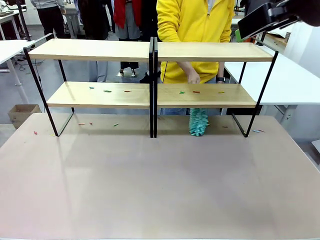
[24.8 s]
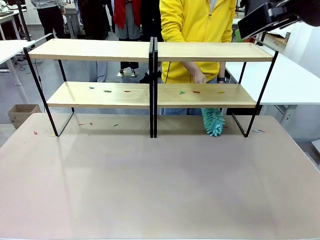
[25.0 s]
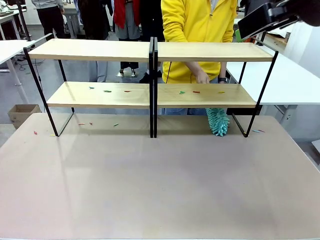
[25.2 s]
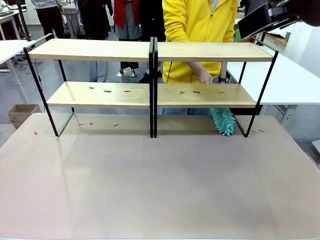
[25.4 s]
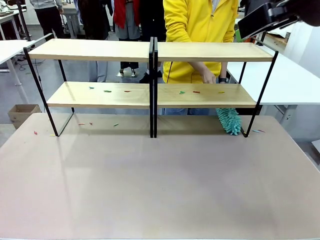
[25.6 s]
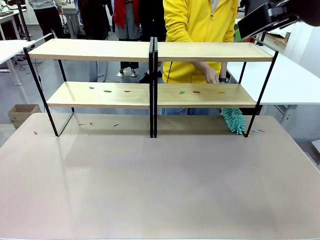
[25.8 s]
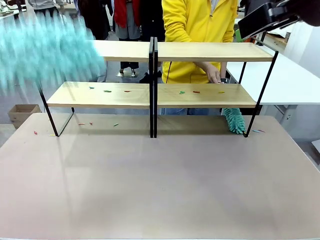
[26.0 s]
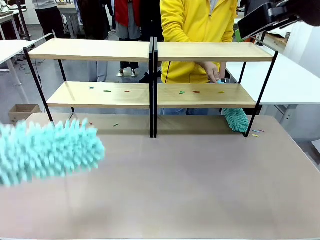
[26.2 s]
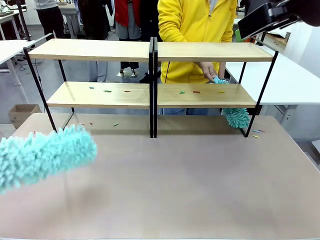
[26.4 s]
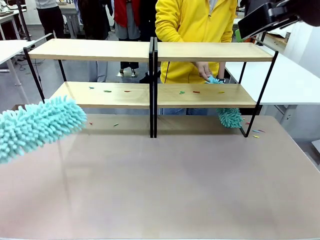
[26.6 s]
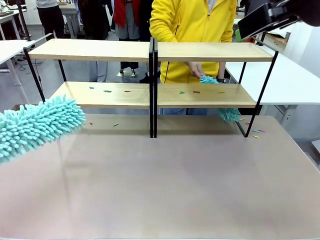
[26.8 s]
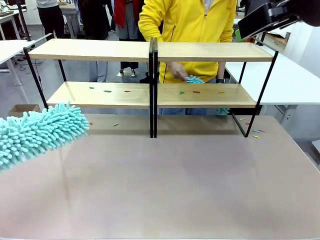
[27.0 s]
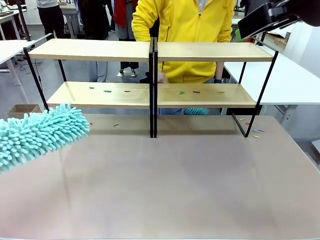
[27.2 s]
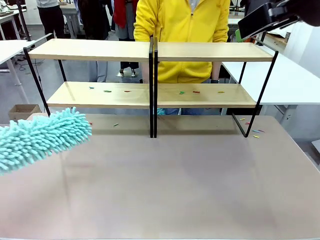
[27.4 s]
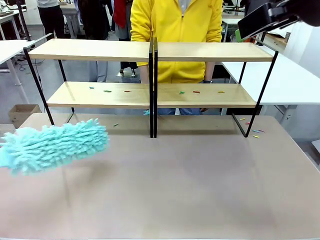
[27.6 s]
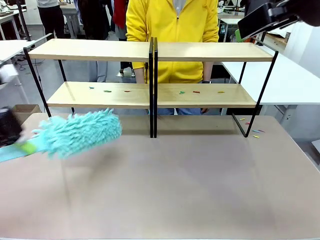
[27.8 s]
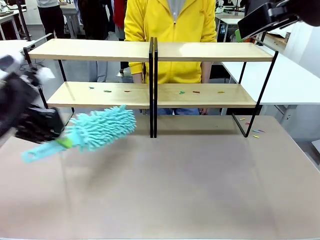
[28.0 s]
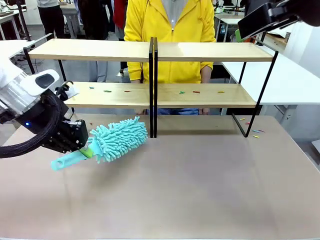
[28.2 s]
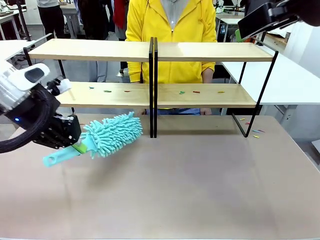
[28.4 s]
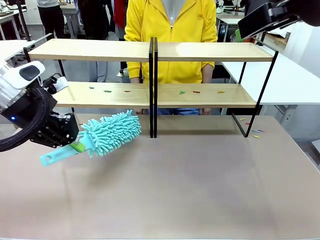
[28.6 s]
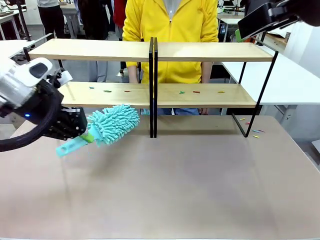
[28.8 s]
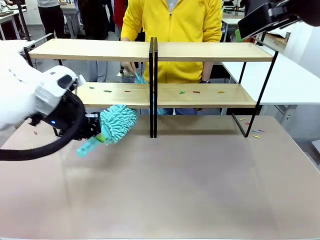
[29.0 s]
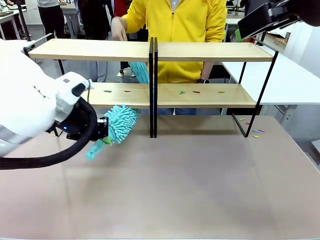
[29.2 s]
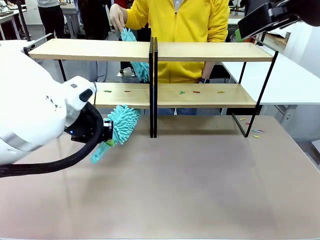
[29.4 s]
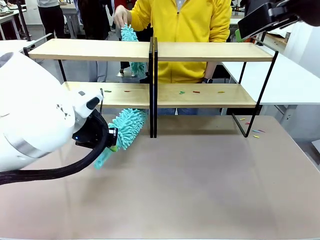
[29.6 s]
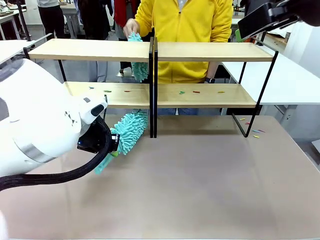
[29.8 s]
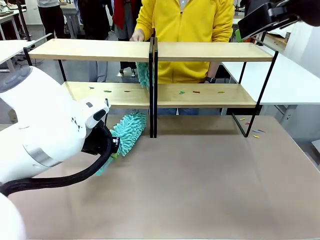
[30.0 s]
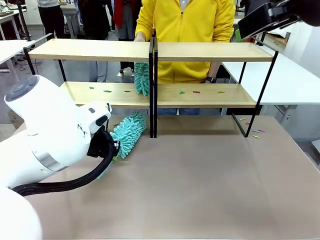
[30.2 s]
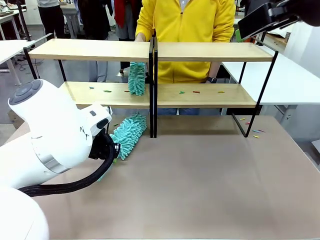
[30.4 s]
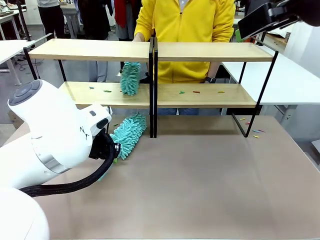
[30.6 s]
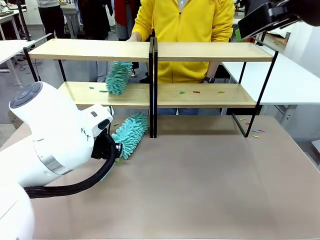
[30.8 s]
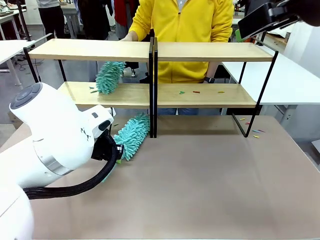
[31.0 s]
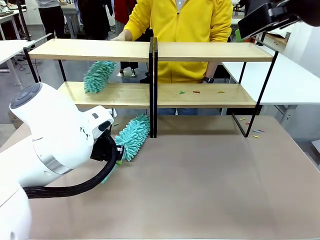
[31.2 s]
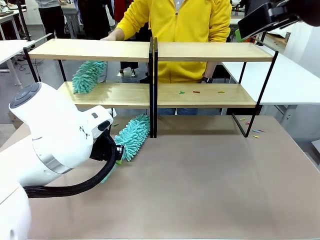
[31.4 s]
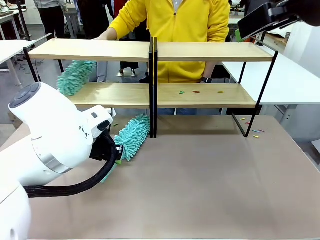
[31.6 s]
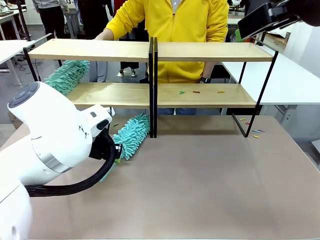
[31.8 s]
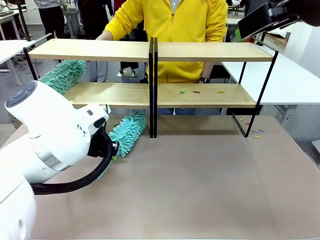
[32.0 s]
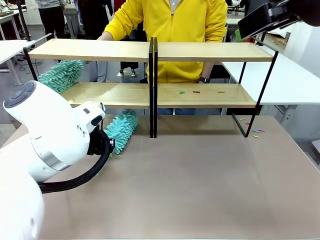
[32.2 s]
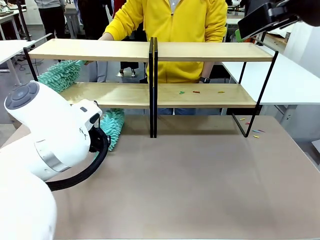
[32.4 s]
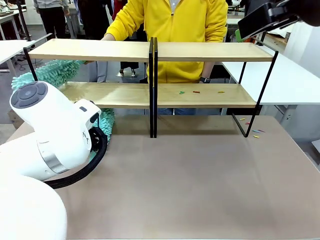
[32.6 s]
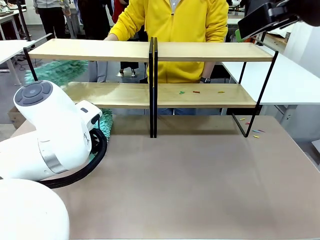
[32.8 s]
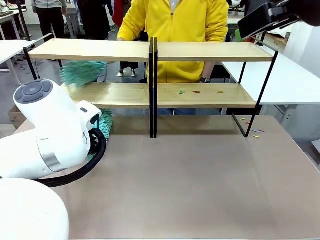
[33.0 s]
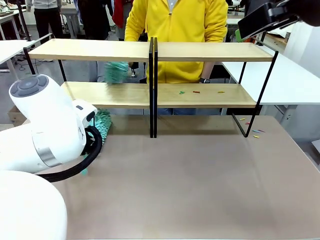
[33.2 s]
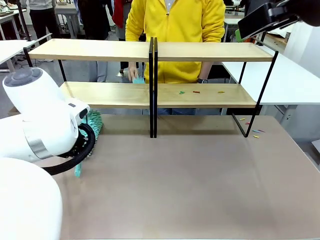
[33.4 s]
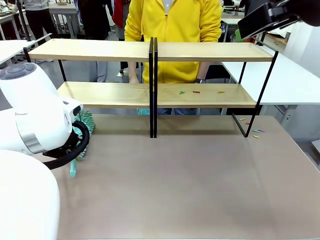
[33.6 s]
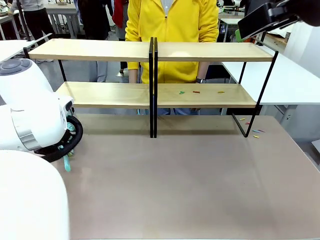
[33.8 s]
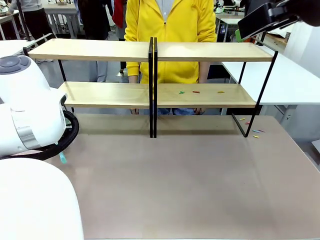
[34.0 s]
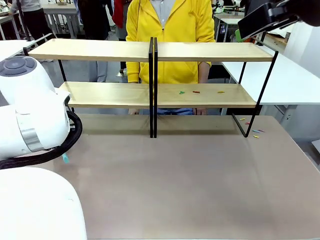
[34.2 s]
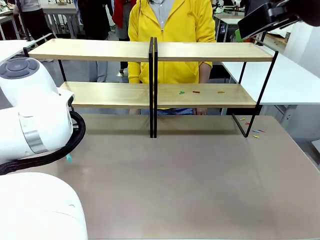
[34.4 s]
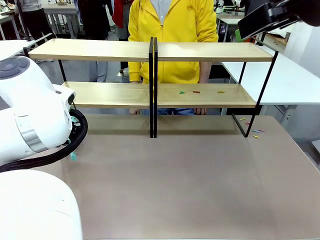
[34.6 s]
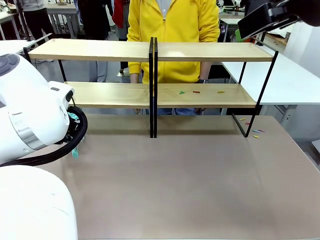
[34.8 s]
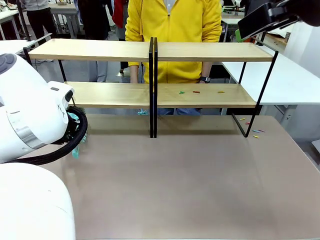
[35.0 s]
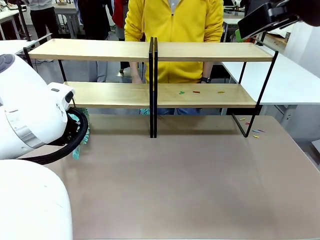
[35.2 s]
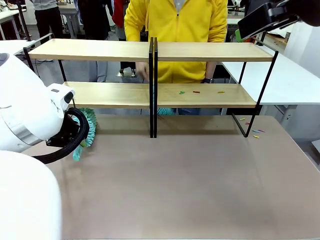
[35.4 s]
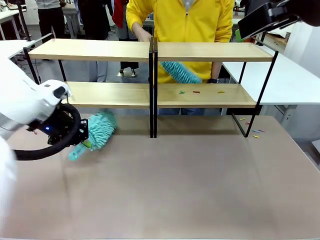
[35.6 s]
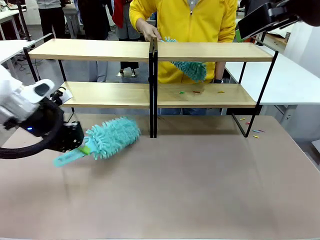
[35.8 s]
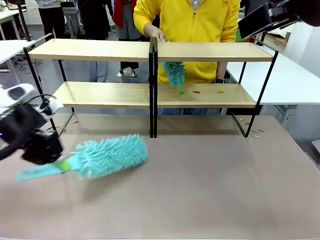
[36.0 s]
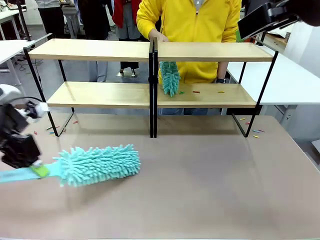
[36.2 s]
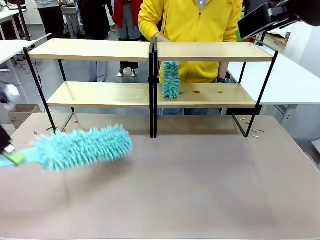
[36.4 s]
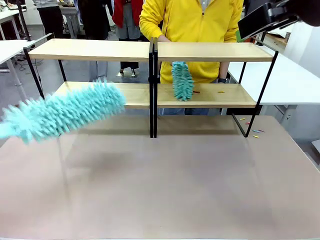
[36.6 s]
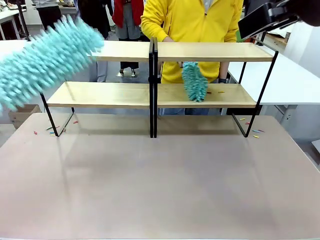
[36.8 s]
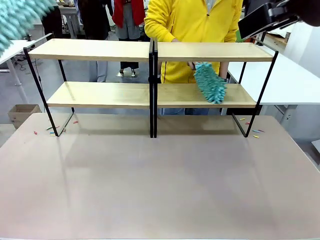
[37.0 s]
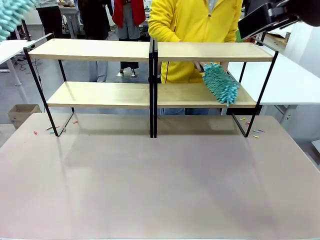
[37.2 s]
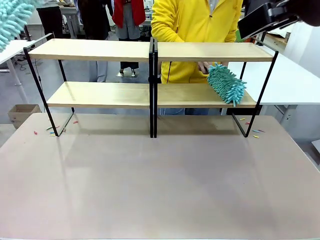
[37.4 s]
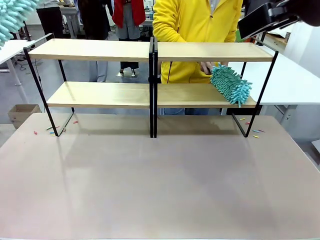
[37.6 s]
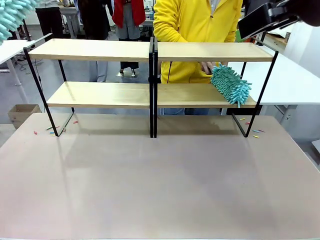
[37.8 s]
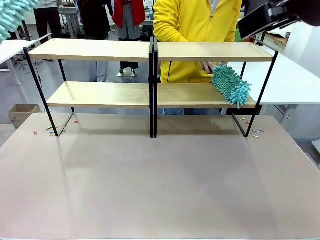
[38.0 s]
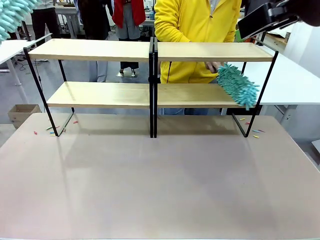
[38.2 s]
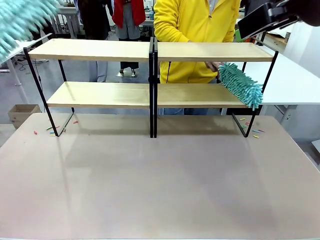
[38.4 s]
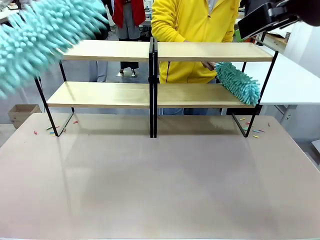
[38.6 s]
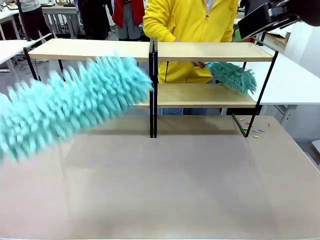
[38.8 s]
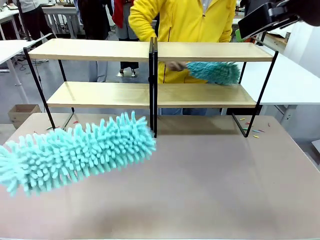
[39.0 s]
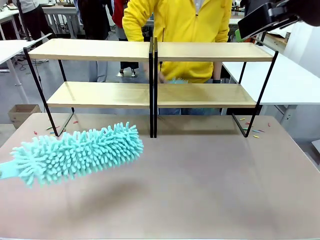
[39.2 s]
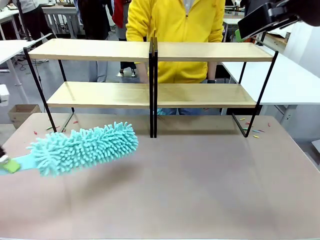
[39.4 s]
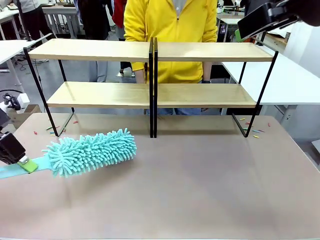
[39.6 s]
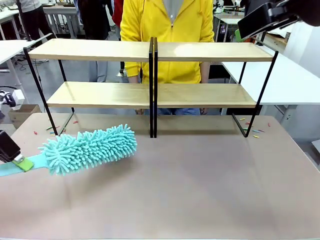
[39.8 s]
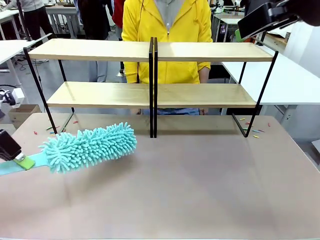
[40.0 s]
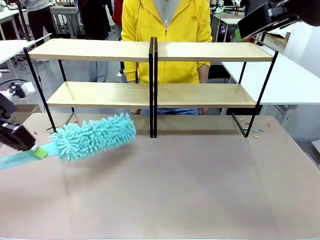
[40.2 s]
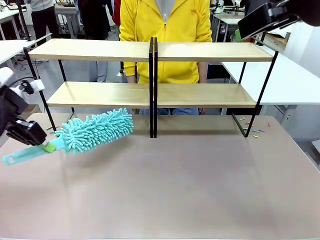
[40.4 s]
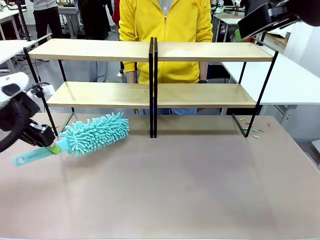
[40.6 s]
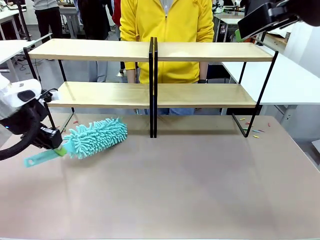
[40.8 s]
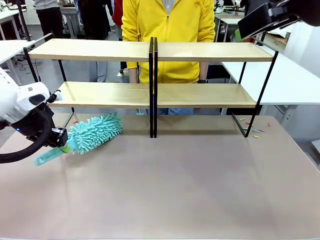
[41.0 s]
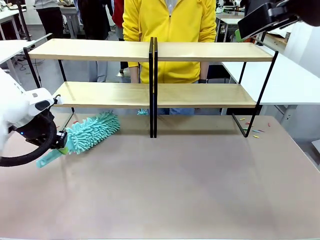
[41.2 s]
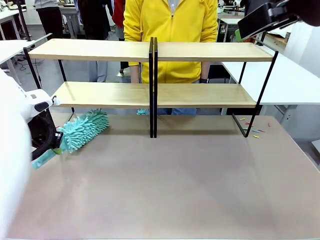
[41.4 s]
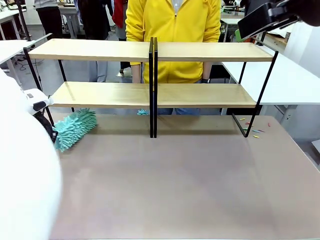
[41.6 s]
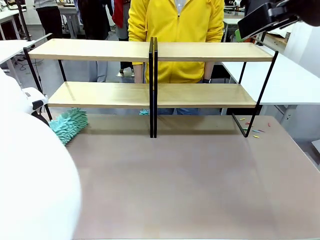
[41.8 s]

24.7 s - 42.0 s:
Task: Clean the shelves.
Robot: Clean another randomly selected level of the Shelf with the Duster.
